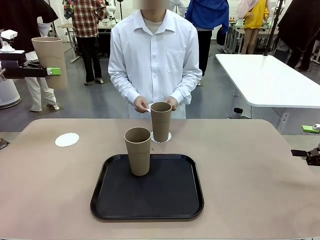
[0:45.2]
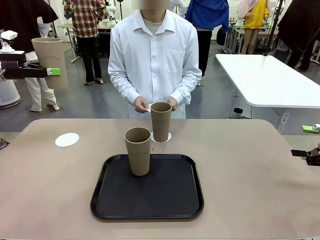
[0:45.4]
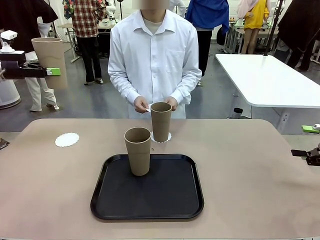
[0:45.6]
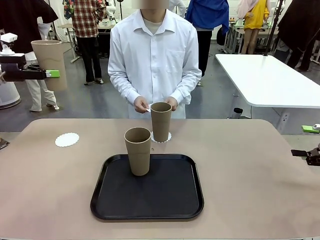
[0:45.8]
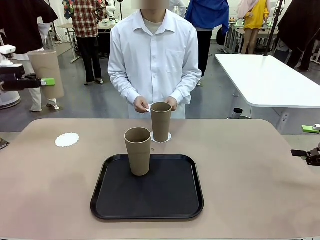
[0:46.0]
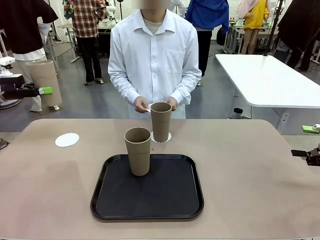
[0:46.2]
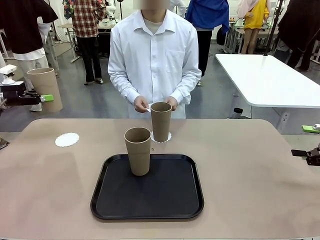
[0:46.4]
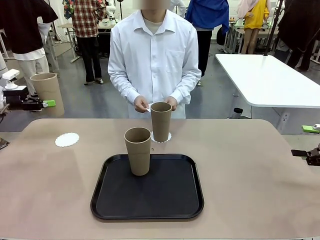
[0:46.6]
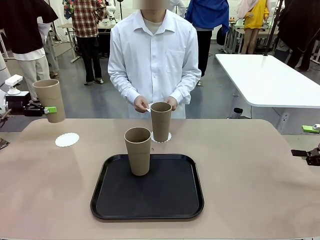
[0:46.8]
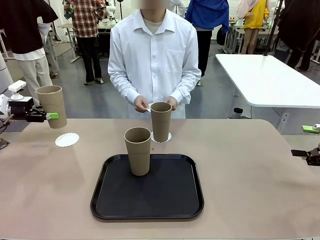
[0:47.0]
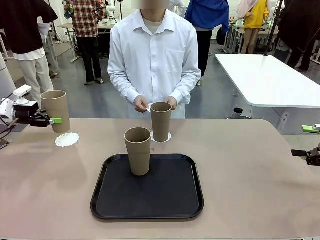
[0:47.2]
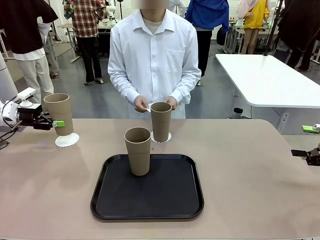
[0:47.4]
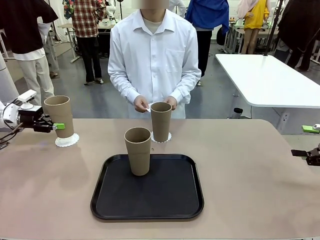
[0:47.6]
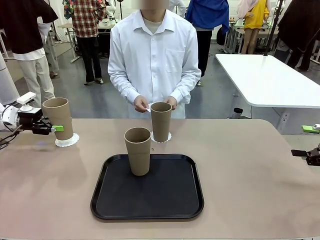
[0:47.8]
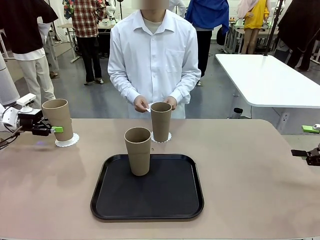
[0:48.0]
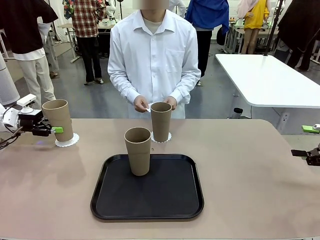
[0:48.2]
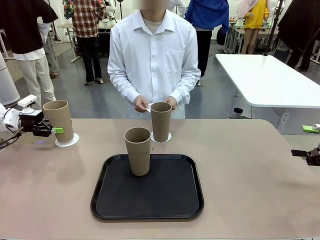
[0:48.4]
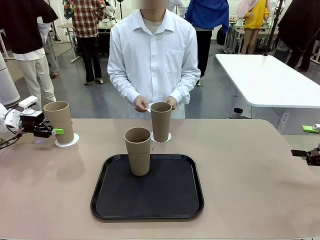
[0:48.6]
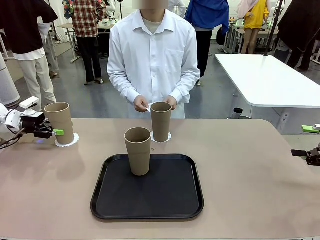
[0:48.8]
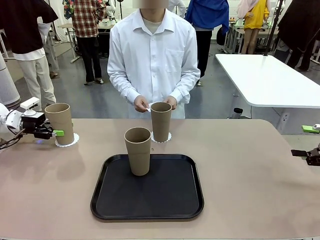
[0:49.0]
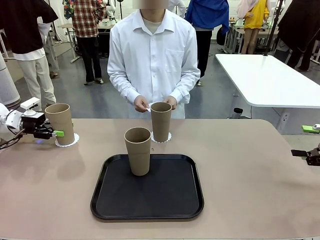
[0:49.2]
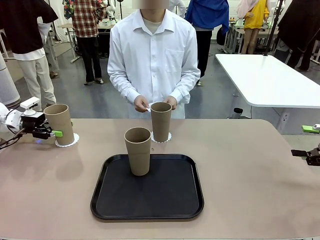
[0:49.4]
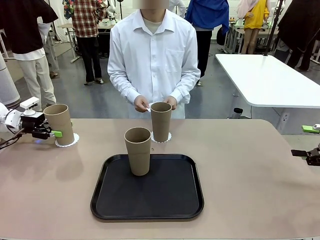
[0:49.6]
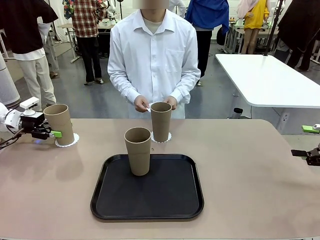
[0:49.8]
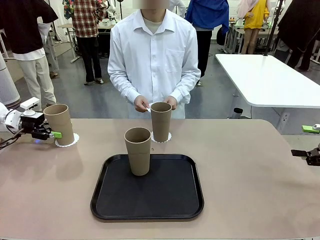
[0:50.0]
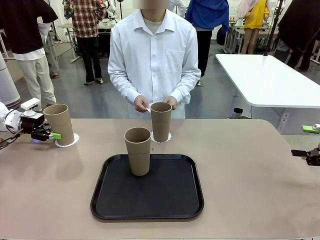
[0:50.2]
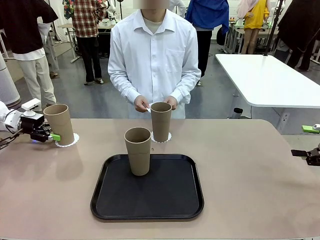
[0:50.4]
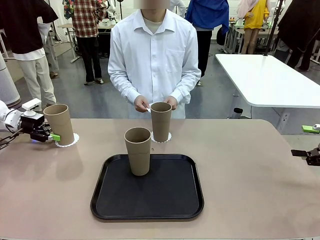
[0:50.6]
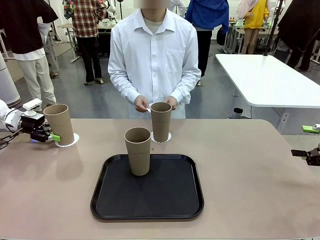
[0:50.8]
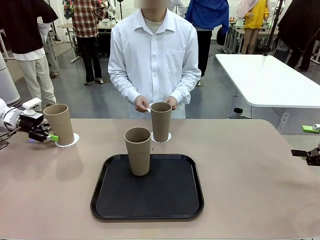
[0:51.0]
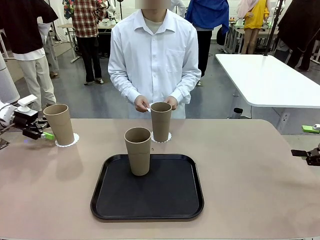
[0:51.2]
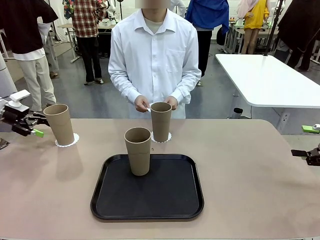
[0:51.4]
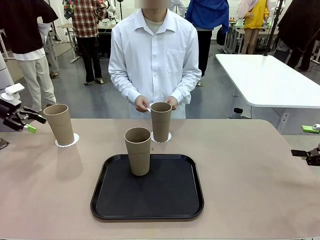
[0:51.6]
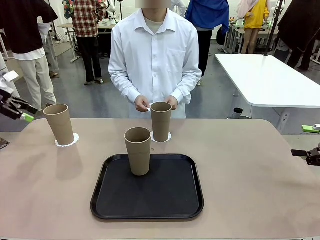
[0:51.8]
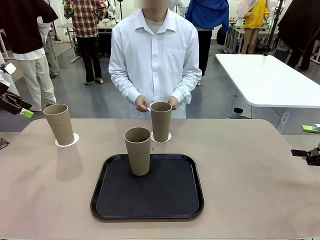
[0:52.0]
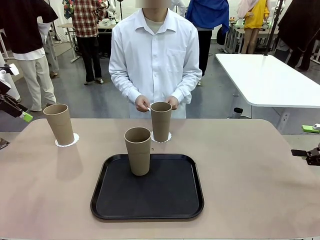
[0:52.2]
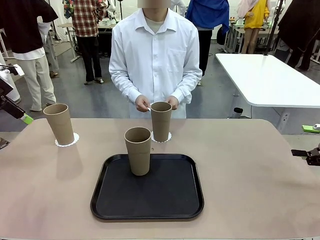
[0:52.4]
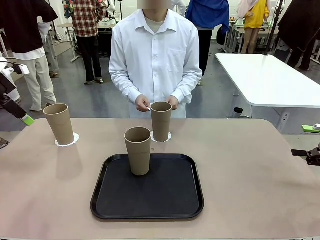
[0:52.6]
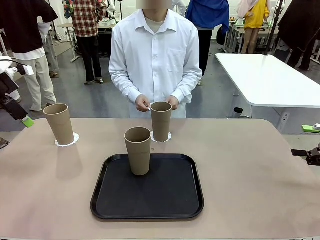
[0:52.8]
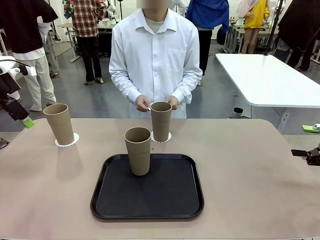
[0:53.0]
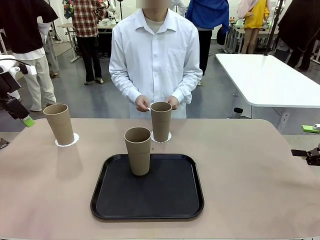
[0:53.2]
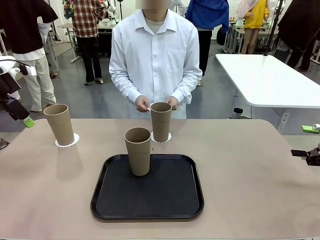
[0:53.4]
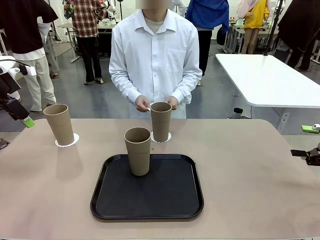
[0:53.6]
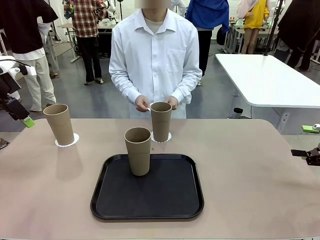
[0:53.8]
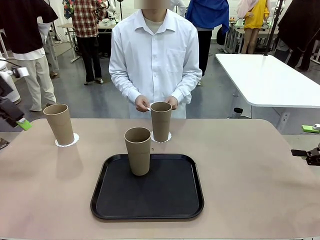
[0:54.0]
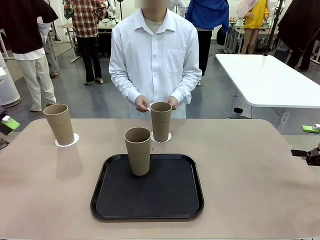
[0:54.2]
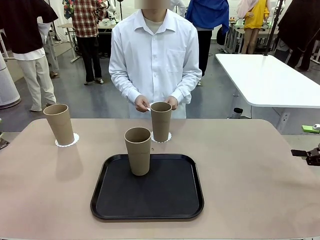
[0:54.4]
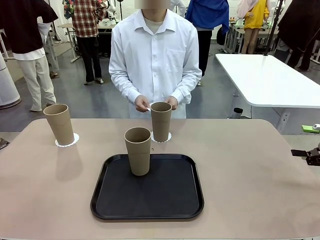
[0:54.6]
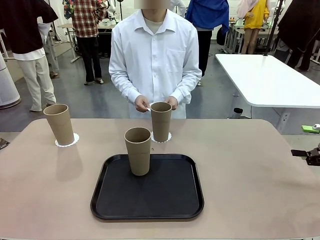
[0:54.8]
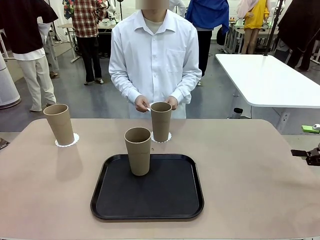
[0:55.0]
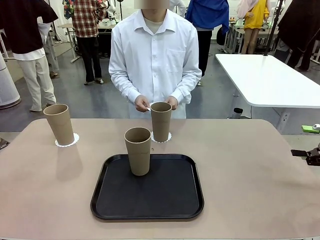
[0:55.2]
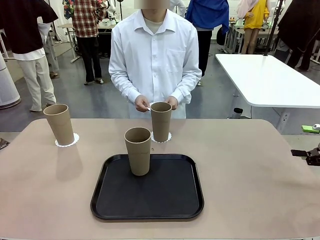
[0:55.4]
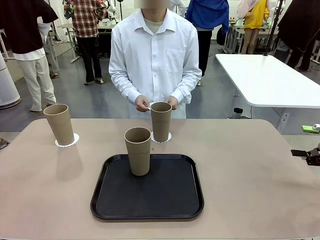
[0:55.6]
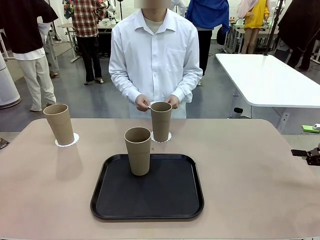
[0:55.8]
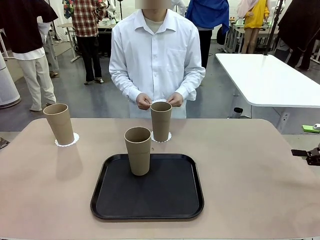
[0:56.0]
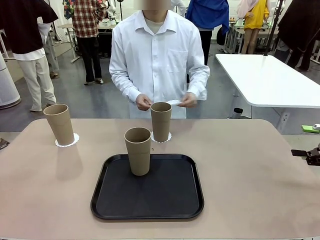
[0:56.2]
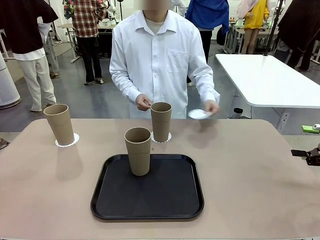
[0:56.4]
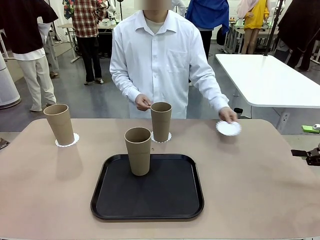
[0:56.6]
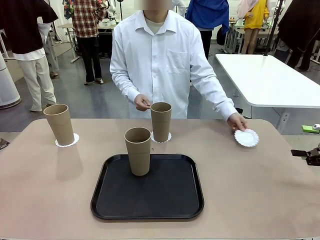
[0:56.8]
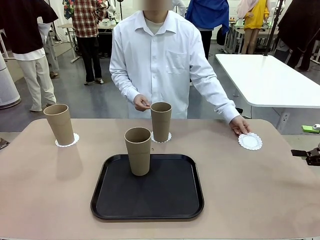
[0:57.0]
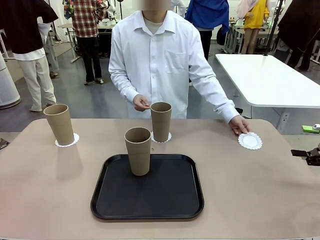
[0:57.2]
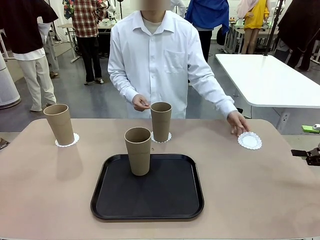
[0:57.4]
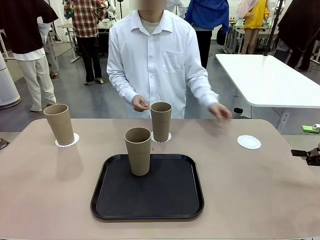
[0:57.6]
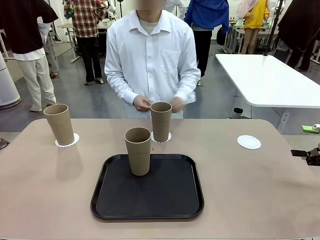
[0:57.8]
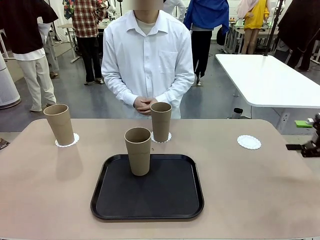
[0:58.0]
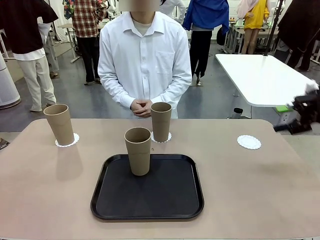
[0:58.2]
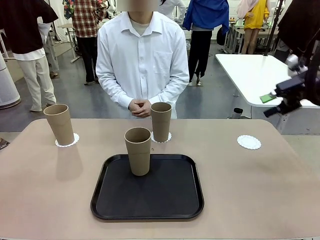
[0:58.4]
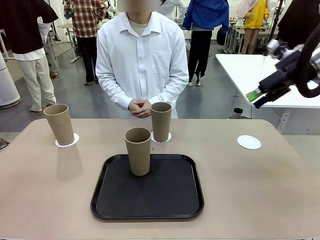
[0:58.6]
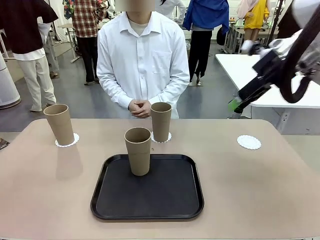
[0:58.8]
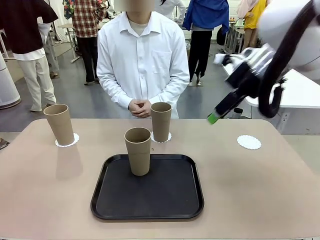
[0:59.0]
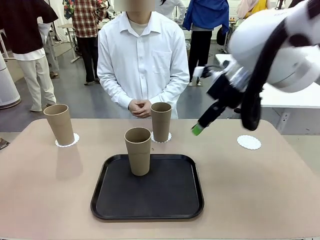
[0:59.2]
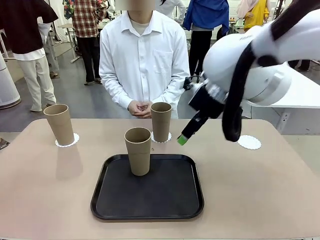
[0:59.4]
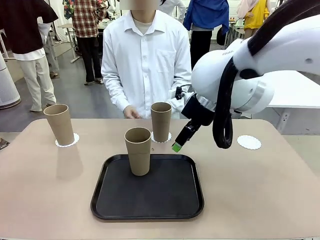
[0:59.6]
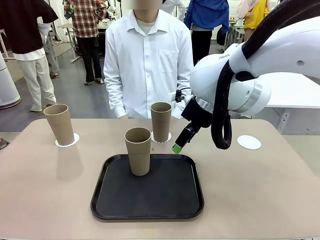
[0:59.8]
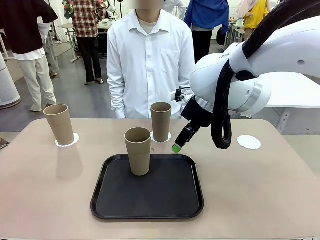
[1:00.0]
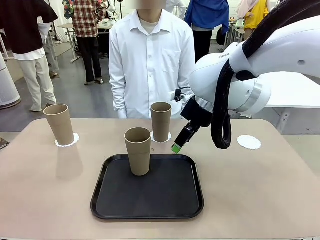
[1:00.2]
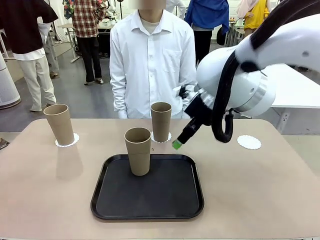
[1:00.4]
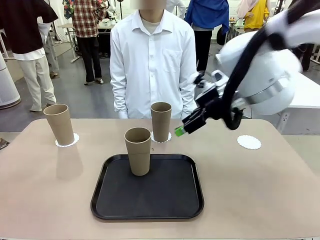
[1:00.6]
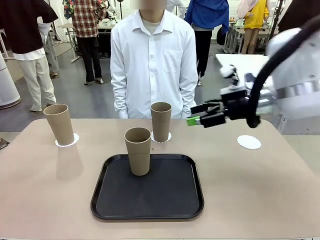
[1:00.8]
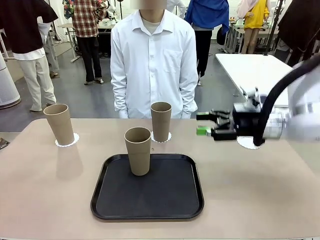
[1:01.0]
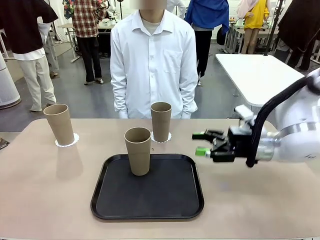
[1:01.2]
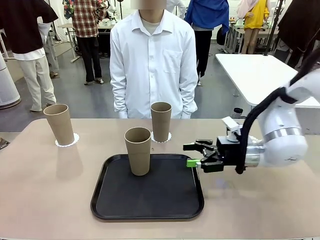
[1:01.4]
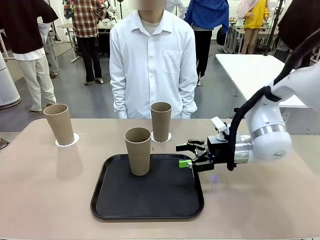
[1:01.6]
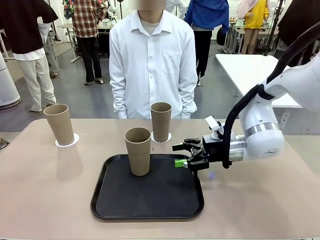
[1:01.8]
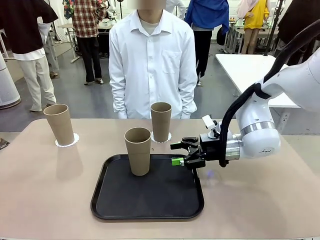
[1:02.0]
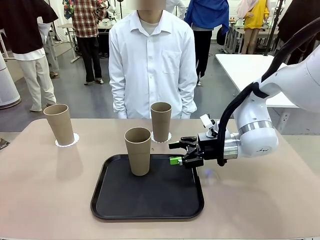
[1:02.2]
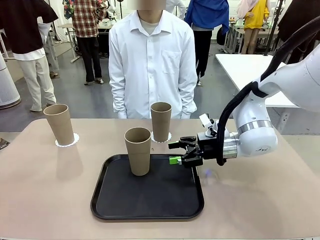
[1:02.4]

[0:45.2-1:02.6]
Task: Place coasters on the table and set cups on them.
Robot: Take one Reusable plastic cup from the Flat Tray and place it on a coaster set by the human.
